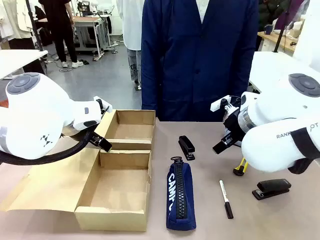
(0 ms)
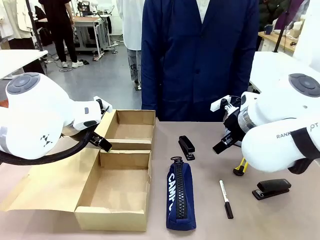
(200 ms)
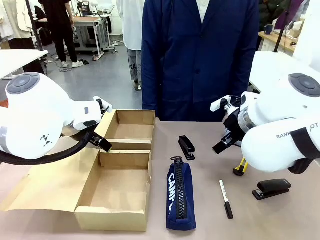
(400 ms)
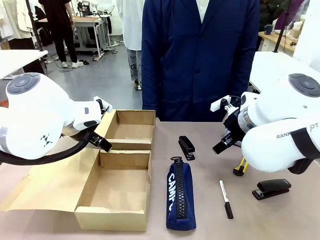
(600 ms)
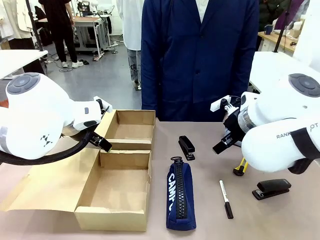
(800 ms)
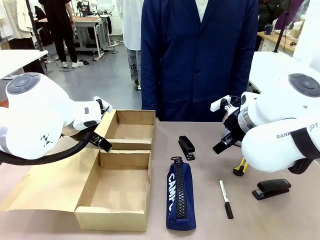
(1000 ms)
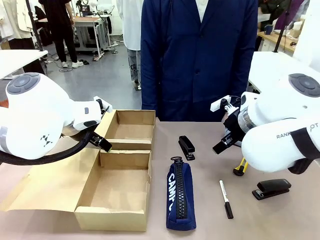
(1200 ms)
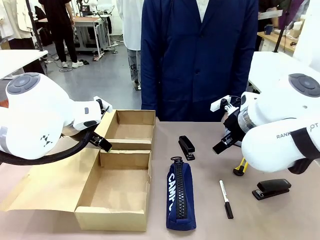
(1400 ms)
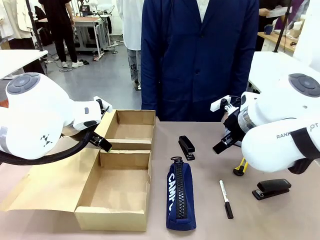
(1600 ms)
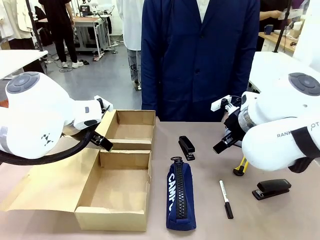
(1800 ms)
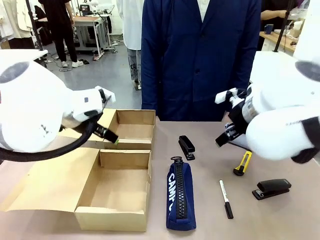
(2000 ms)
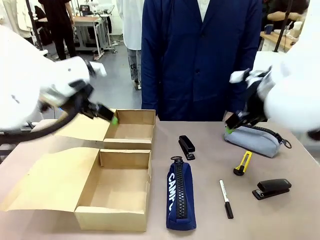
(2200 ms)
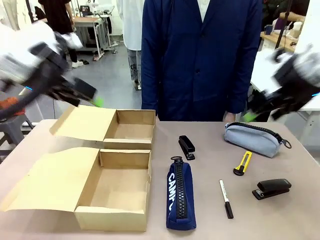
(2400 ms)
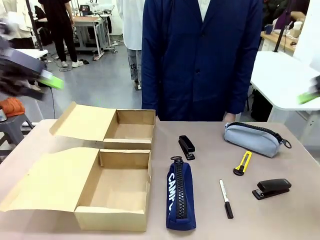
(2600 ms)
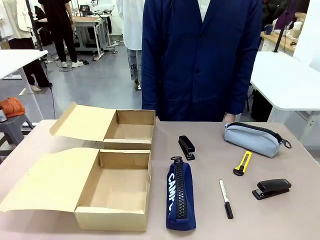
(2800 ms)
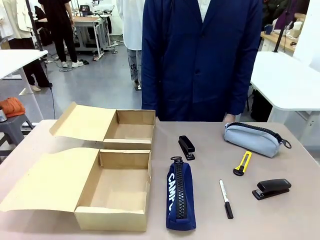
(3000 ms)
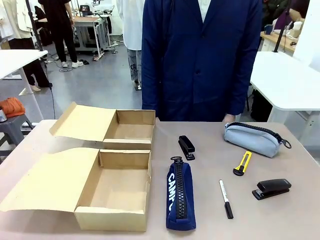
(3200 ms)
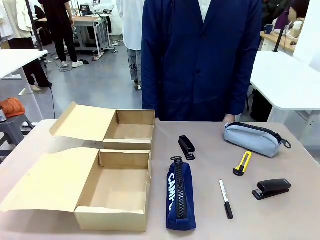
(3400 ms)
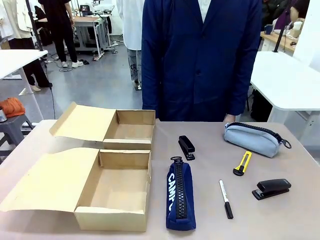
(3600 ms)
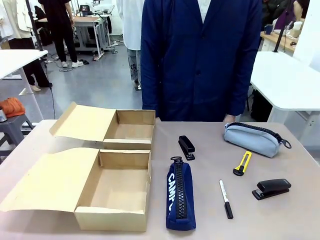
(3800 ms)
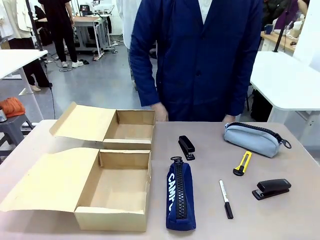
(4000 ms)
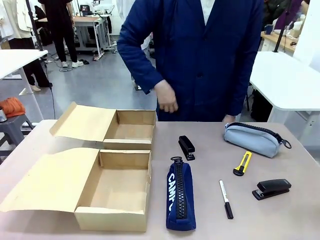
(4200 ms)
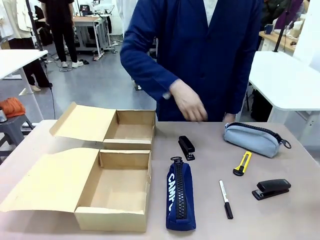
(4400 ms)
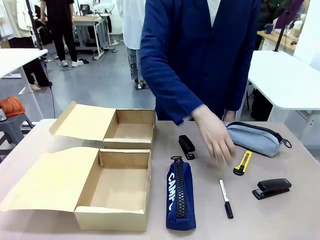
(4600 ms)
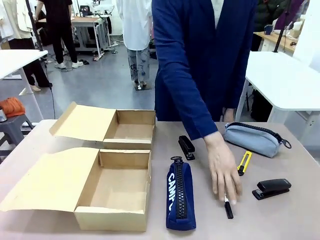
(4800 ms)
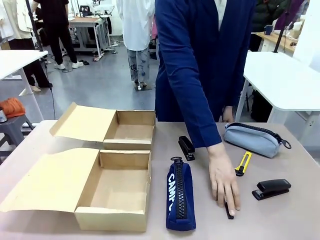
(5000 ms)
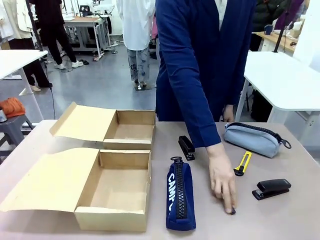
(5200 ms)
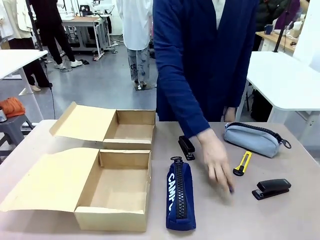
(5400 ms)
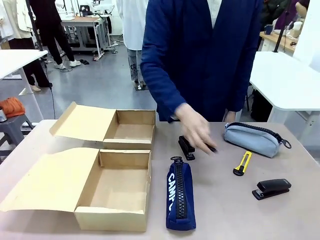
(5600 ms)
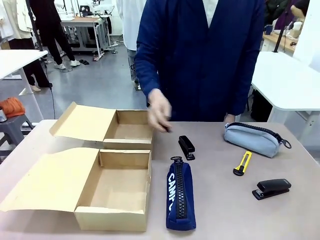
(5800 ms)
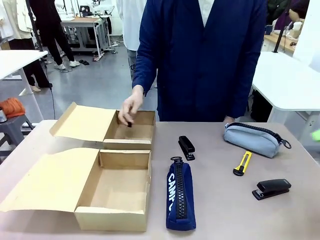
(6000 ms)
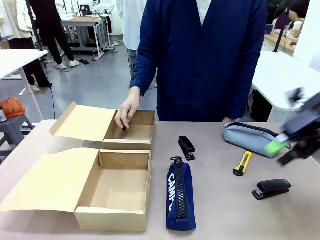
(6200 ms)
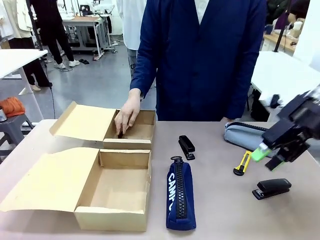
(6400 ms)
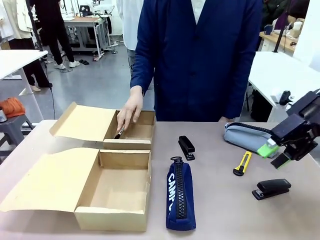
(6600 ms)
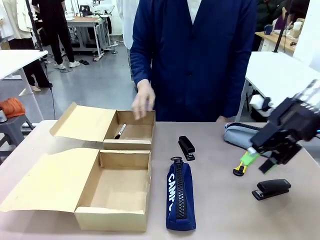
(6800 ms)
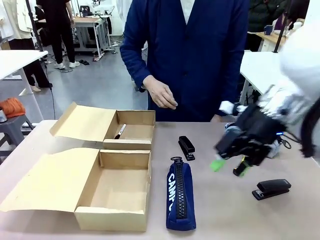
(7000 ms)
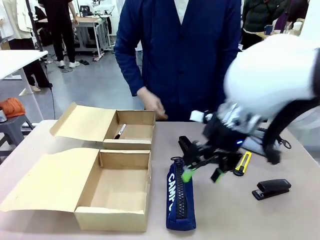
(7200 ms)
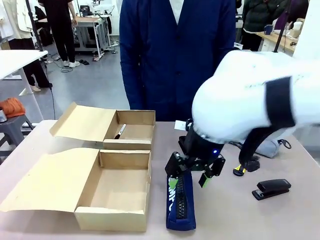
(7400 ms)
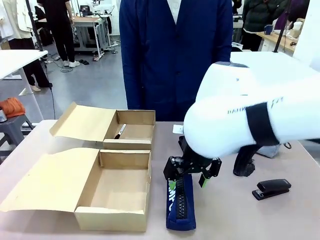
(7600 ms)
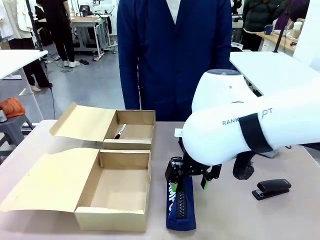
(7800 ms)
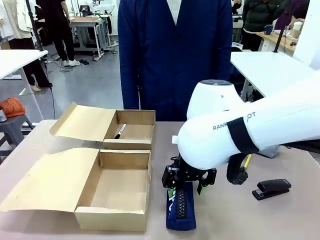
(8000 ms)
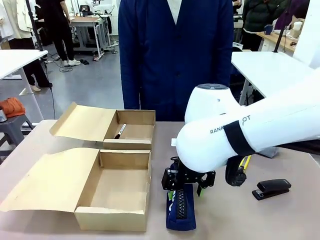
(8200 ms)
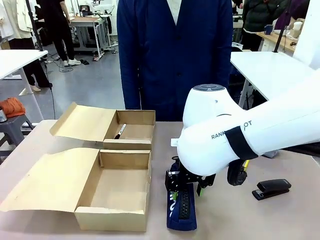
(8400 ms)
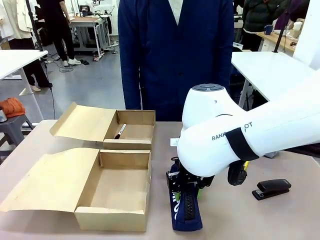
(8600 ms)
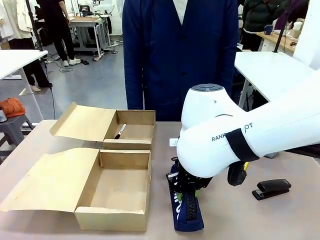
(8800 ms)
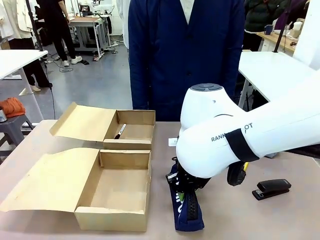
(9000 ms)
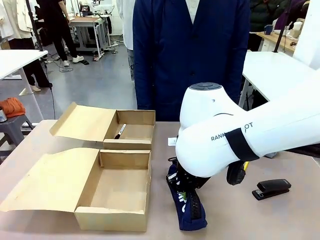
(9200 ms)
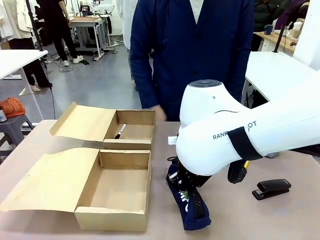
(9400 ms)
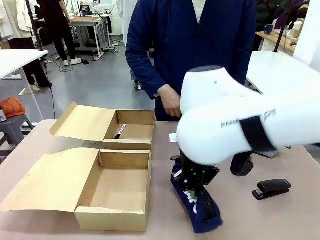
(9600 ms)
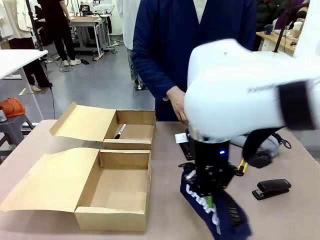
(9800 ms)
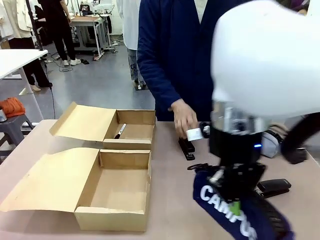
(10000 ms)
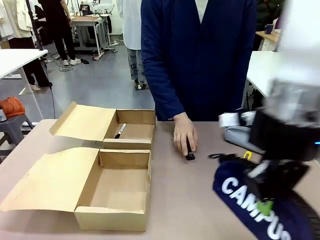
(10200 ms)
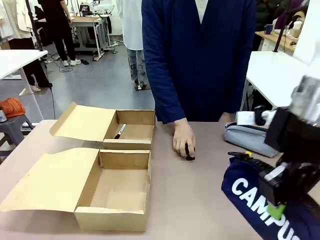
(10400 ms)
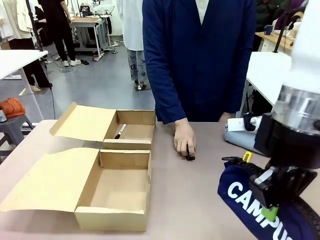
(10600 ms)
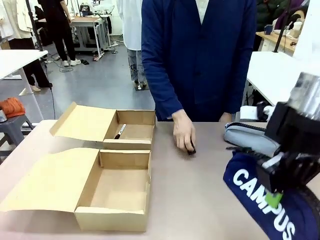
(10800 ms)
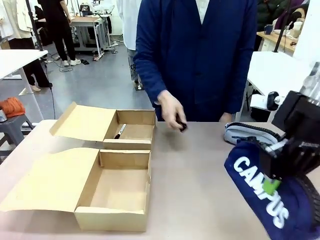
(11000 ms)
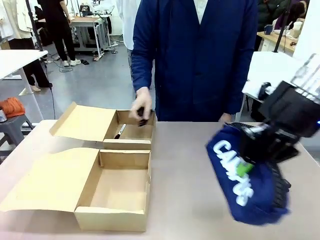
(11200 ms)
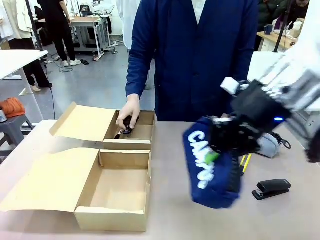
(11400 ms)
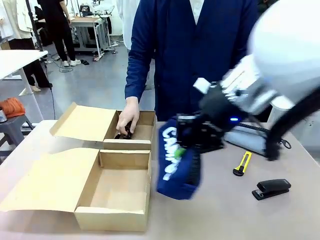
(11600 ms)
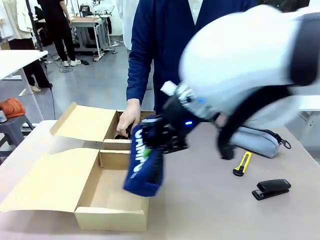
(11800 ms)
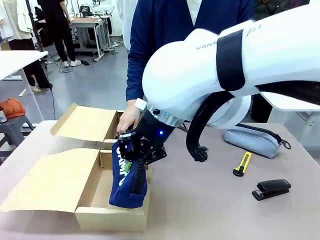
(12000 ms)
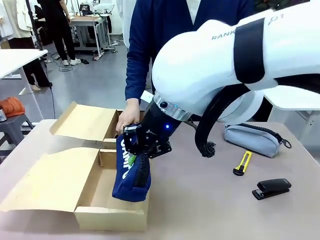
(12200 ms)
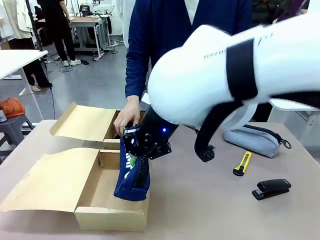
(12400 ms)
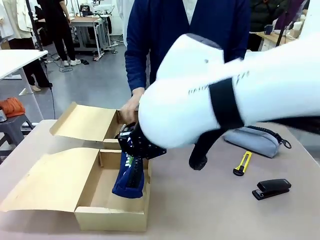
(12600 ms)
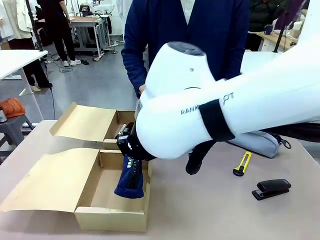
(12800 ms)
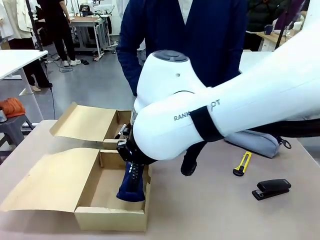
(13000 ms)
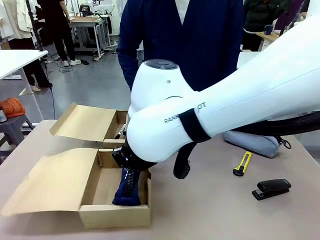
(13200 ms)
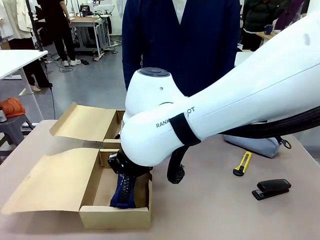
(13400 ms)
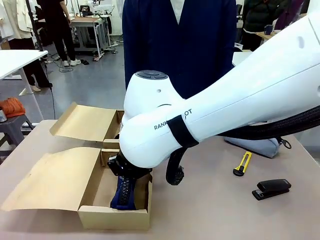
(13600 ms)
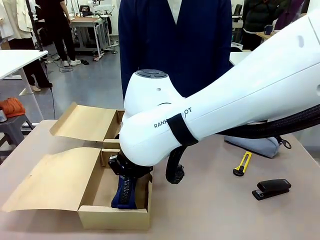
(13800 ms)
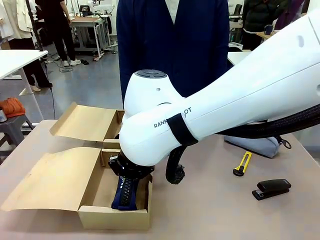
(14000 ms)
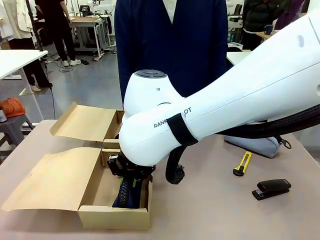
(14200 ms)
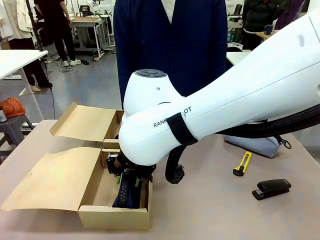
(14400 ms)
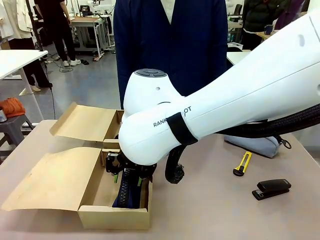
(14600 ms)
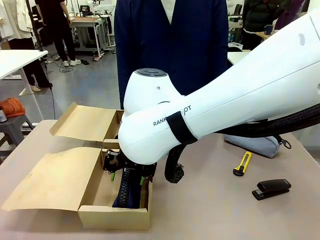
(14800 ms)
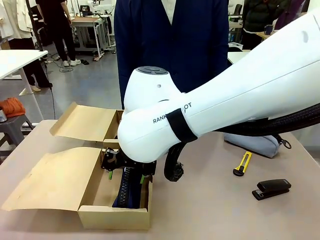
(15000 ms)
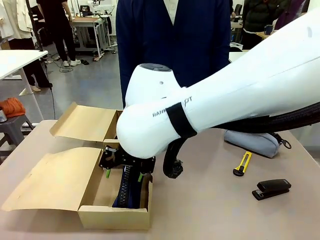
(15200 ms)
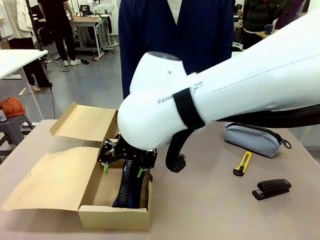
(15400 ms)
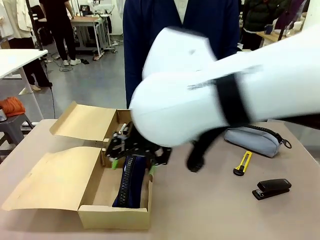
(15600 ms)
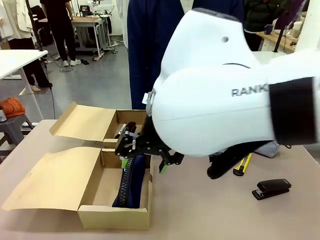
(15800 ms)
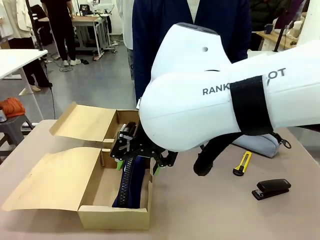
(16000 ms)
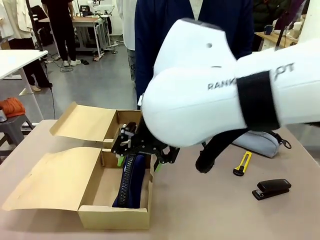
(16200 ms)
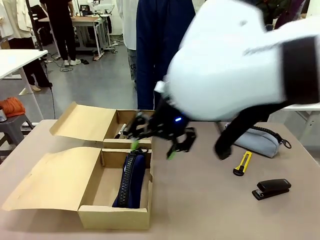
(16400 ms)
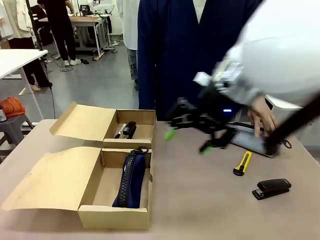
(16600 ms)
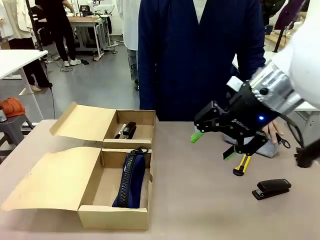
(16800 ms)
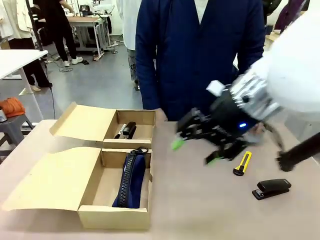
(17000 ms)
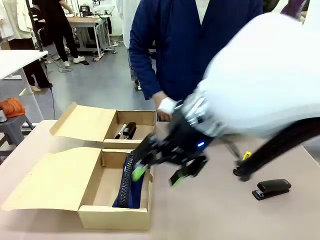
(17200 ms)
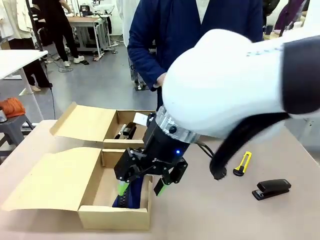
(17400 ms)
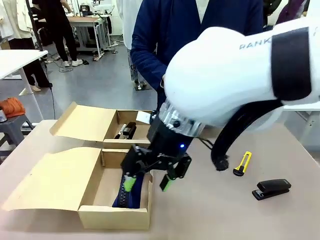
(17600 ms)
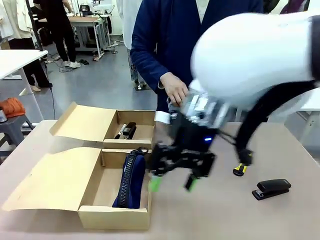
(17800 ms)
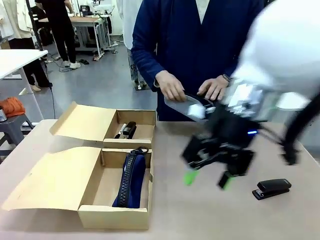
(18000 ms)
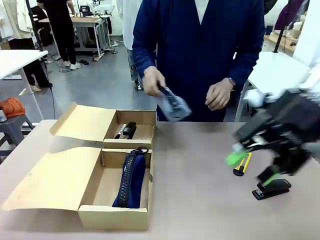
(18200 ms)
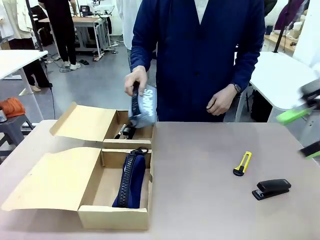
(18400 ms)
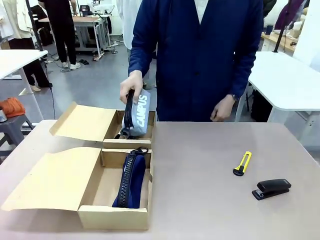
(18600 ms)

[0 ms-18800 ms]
Task: Place items inside the box.
Robot: Pick up a Pencil pouch or Stapler and place it inside the Mailer Box closest to the robot.
Person: Pick up an object on the table and put it in the box.
